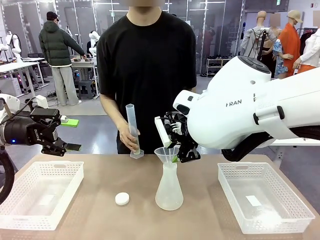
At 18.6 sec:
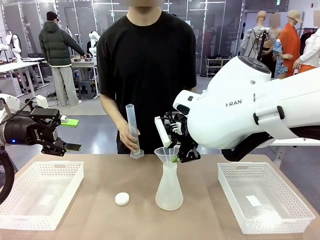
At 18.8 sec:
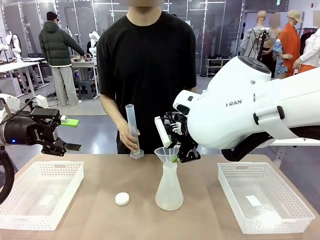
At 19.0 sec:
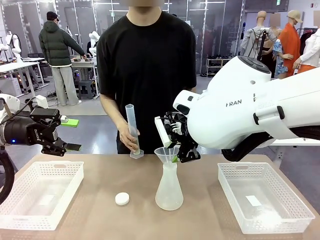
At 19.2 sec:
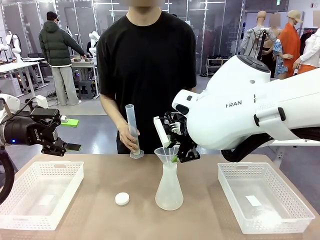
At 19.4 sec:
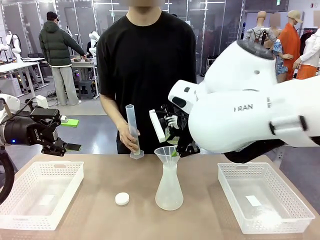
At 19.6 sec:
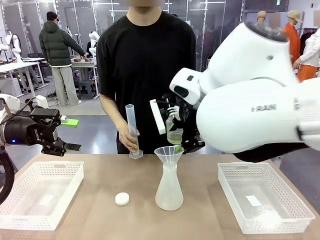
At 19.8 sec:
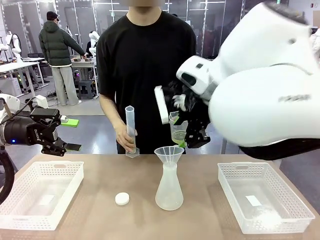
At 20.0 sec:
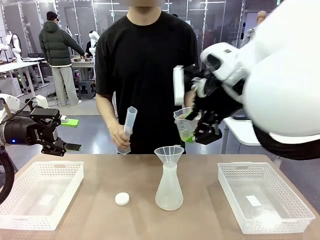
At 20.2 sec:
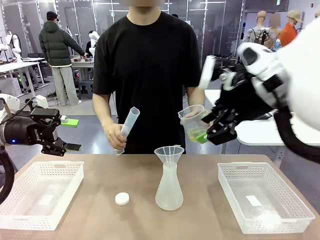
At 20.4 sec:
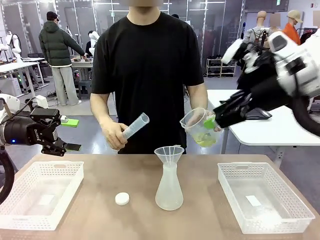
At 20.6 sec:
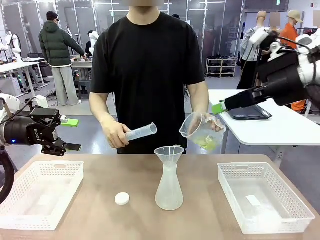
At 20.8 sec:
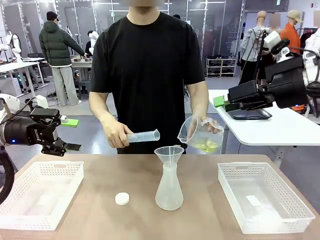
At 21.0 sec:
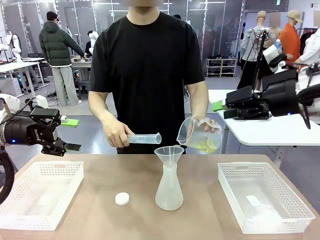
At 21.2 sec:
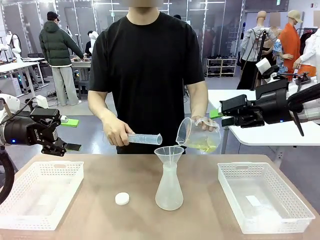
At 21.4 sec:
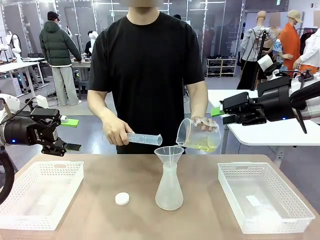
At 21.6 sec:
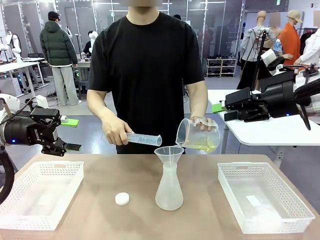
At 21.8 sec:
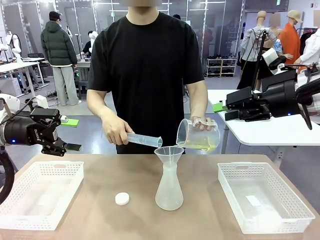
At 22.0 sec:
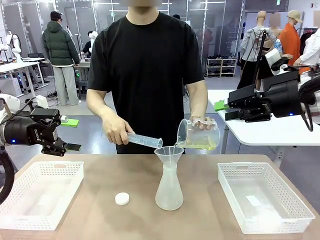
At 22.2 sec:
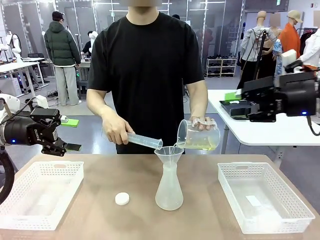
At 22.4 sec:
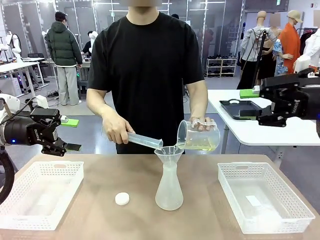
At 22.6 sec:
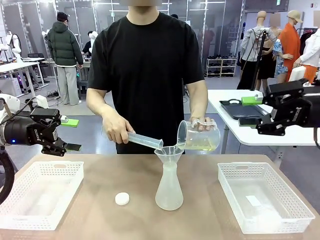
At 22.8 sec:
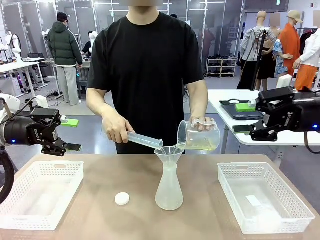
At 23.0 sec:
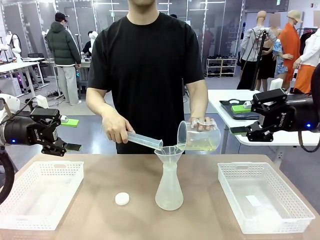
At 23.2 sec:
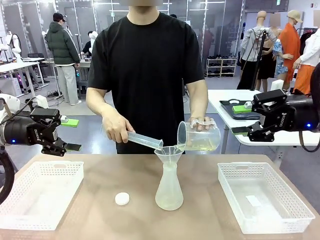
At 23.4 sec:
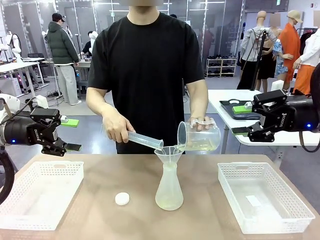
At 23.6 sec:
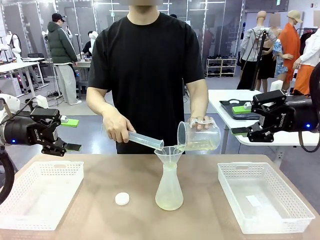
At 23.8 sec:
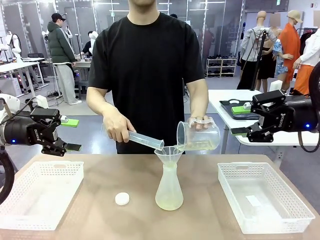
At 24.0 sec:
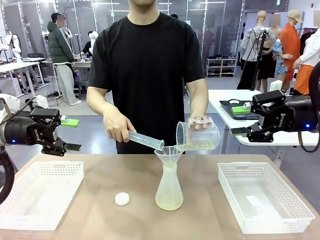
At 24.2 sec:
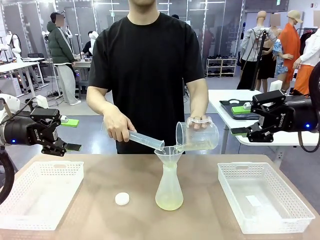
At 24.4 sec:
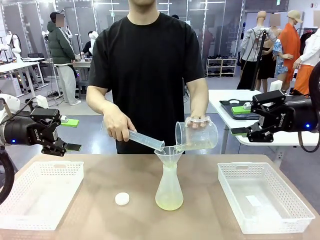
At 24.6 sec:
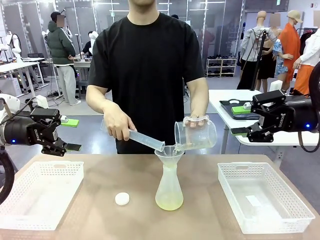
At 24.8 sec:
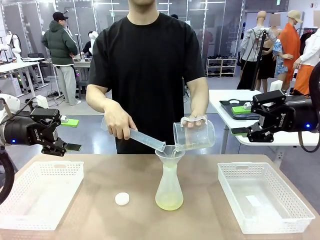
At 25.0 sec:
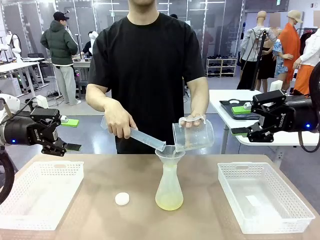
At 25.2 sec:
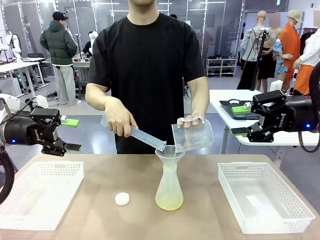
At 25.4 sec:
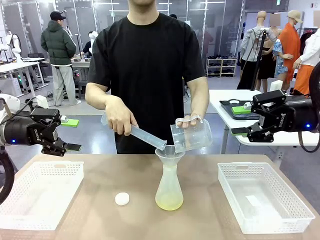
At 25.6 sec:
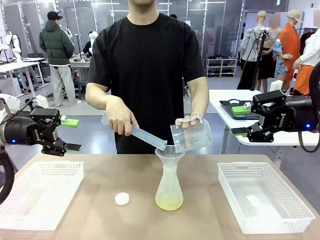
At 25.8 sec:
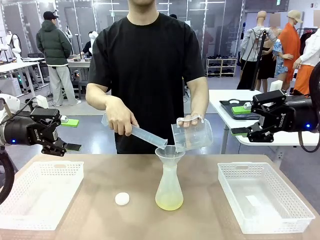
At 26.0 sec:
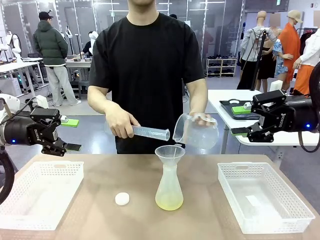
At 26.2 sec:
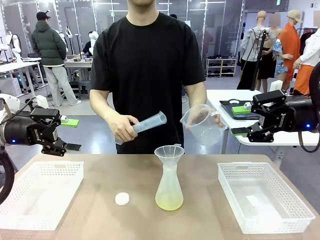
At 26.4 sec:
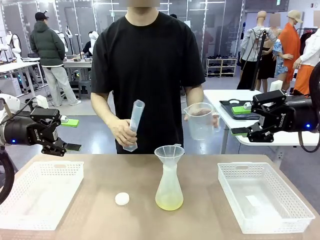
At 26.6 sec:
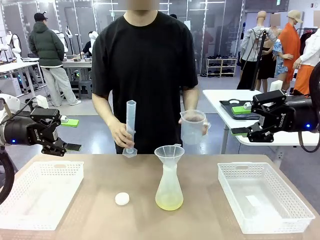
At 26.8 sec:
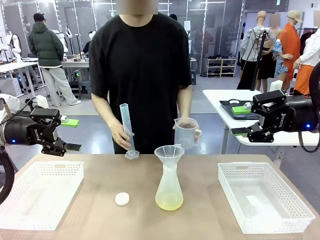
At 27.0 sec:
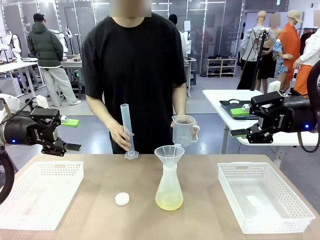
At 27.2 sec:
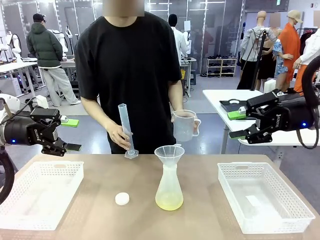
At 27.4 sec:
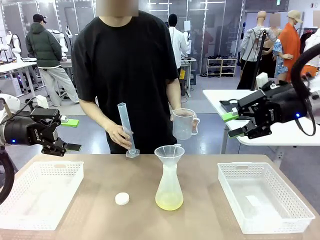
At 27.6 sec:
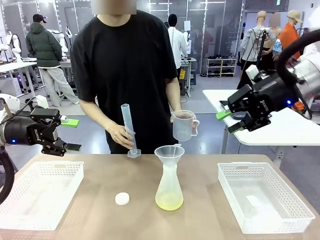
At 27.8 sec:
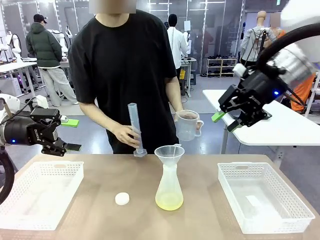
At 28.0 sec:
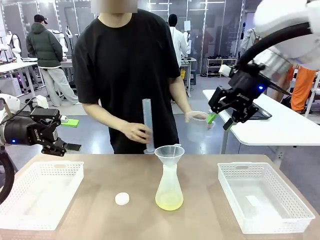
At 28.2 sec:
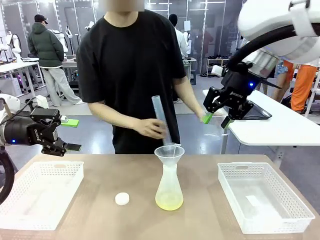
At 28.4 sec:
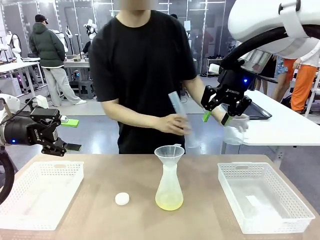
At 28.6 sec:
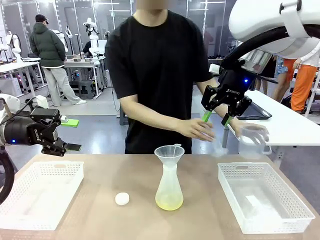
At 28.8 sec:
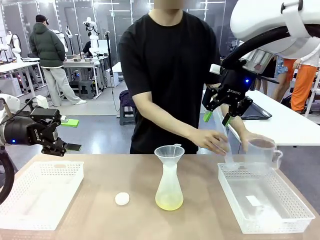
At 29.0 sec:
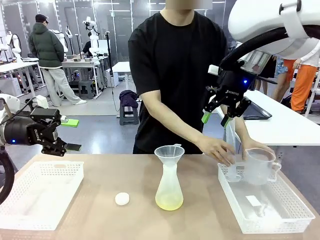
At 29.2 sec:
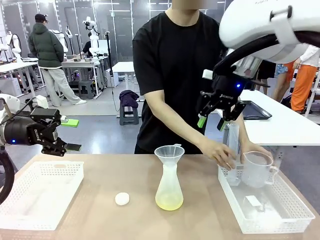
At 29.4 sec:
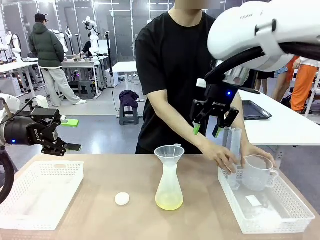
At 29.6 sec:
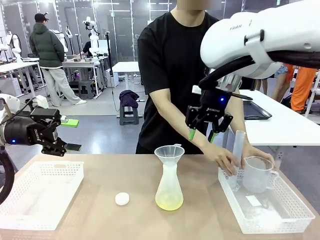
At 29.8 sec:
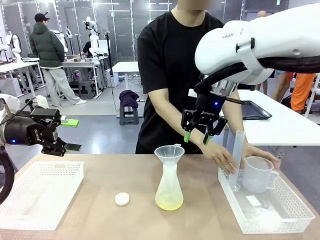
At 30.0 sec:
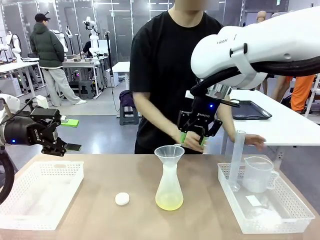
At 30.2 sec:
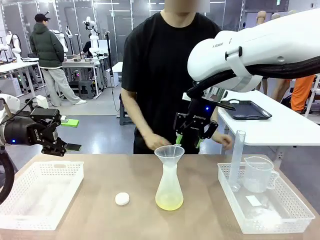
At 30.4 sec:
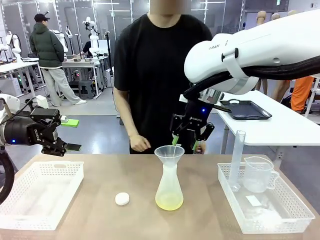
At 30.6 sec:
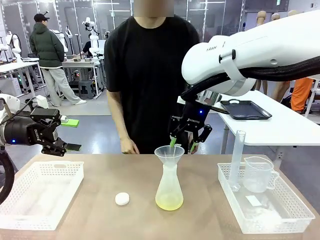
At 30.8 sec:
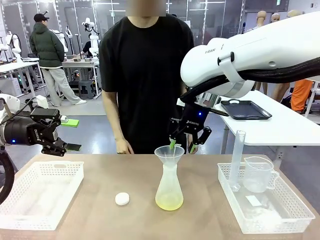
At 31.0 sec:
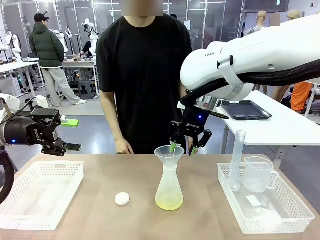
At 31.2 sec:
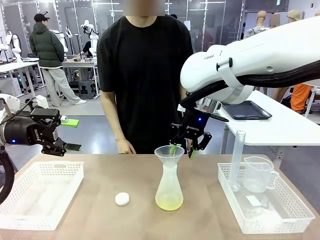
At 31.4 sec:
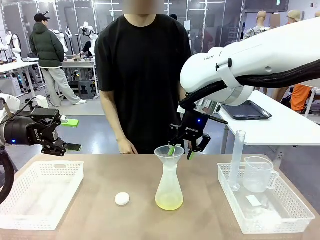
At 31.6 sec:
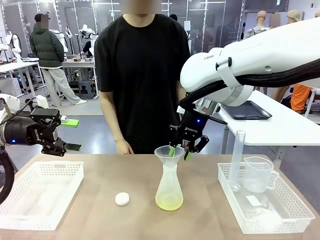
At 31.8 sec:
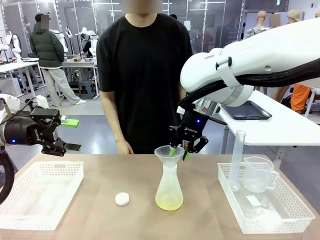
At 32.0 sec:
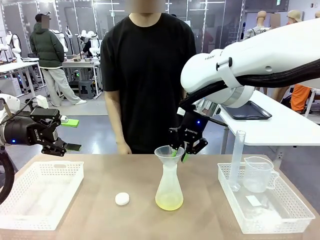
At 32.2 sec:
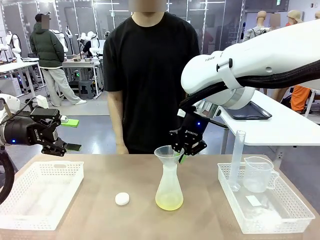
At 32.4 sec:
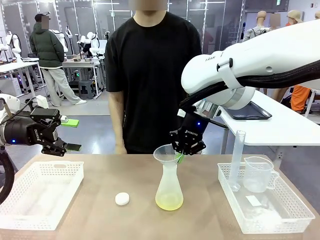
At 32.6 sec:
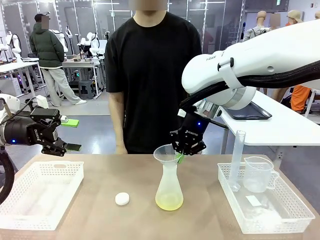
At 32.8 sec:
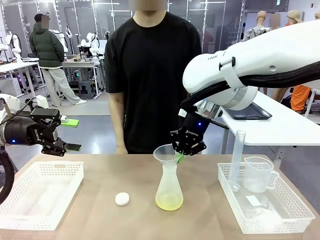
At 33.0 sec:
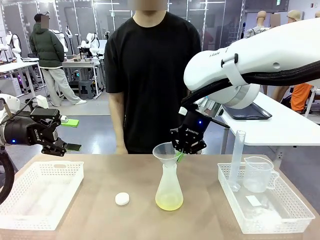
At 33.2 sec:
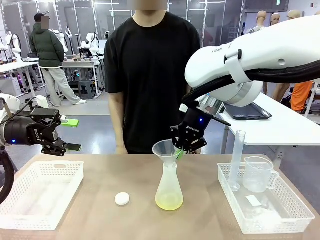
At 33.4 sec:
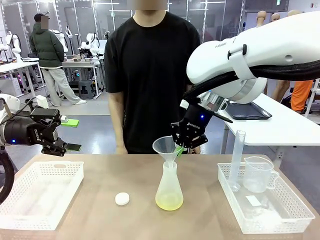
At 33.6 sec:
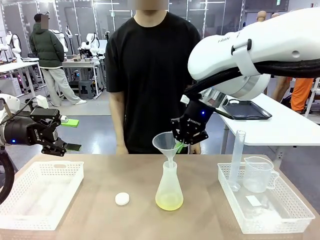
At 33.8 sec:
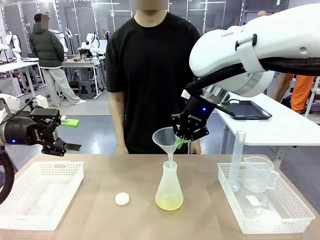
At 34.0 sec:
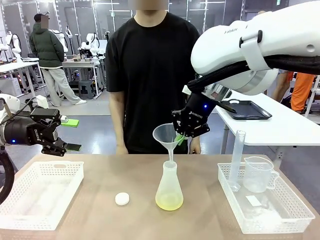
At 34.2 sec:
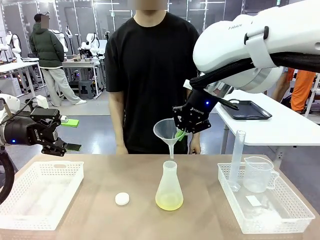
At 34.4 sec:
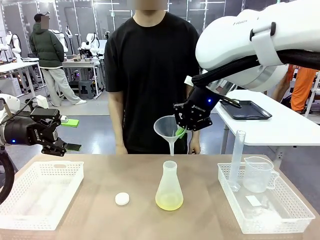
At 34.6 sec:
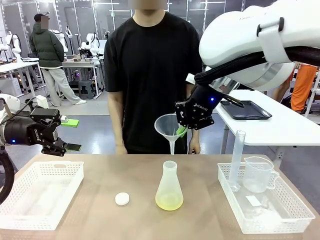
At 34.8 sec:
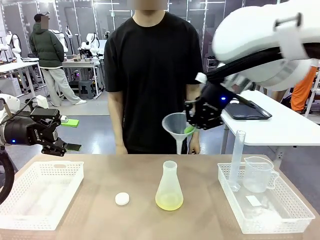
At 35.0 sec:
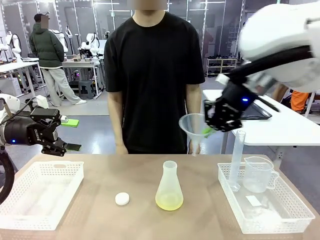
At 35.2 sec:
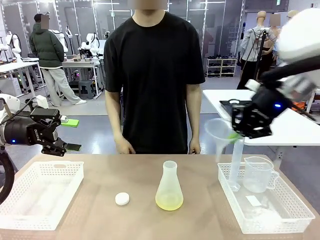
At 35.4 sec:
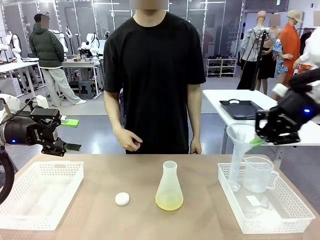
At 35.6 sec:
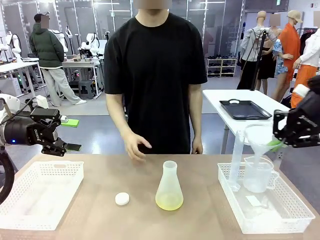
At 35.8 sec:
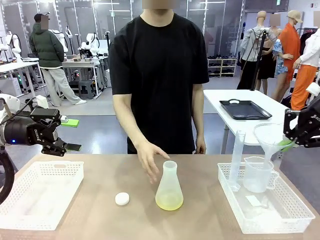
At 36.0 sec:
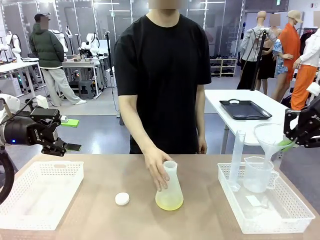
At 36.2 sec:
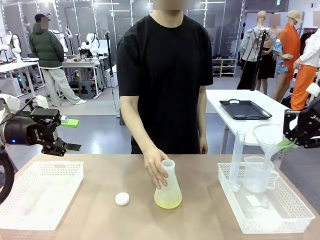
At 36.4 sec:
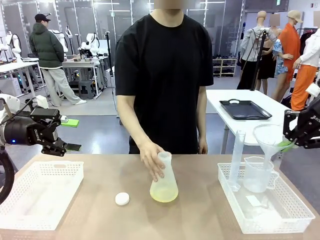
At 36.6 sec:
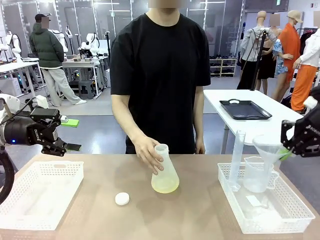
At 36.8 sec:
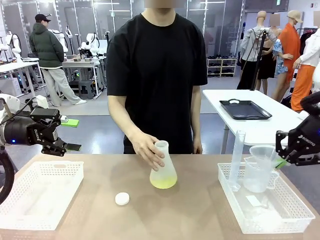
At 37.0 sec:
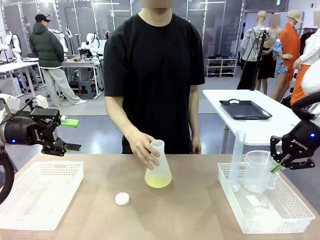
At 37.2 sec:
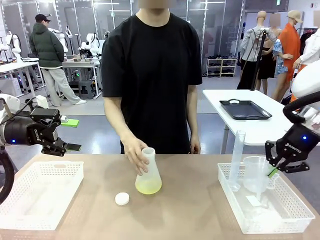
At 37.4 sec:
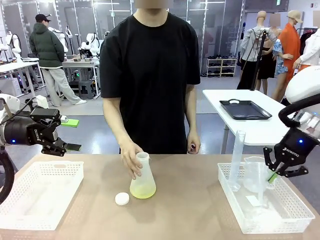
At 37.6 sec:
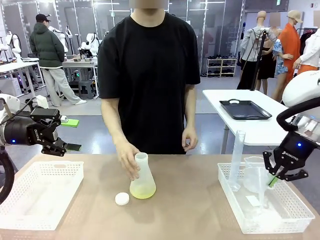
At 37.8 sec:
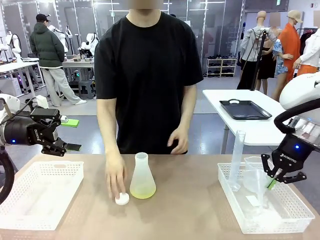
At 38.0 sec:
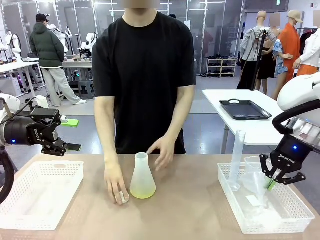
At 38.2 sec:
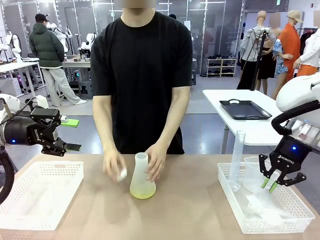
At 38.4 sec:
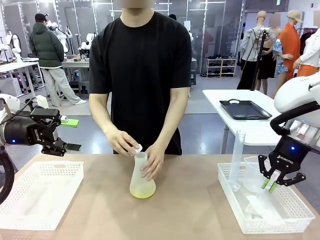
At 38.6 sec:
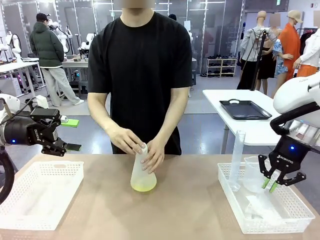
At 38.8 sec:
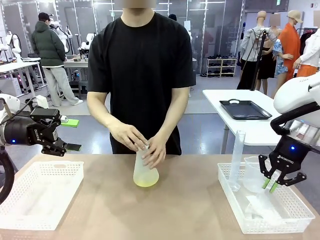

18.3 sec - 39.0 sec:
Task: Prepare the solutions needed for the experiment.
Robot: Once the solution is in the Big flask , pick up the Plastic Funnel and place it back into the right Organizing basket.
Person: Pour the solution from the beaker and the cylinder into the flask. Place the beaker and the cylinder into the organizing basket on the left side. Pick up the flask, gently shake it 2–3 times, place it in the middle of the robot table, and close the lid.
